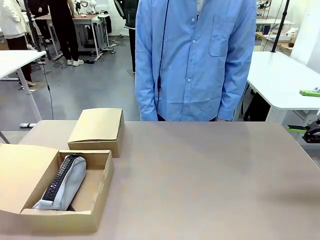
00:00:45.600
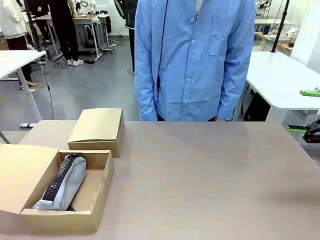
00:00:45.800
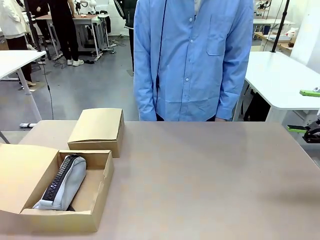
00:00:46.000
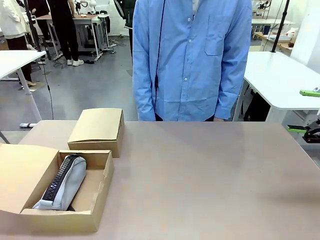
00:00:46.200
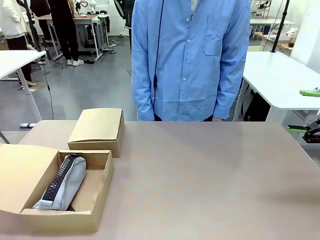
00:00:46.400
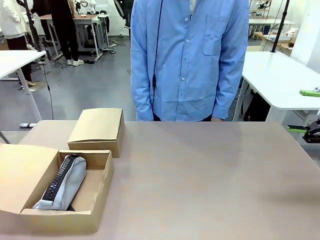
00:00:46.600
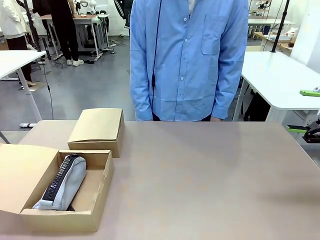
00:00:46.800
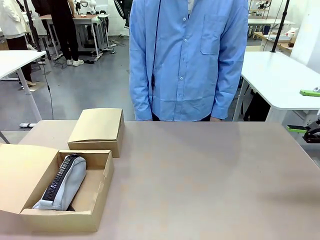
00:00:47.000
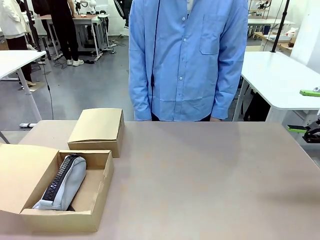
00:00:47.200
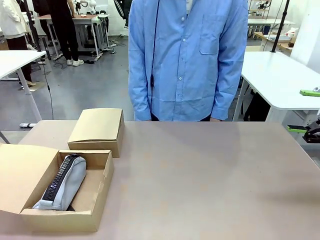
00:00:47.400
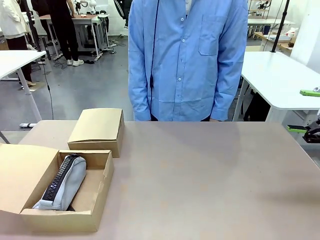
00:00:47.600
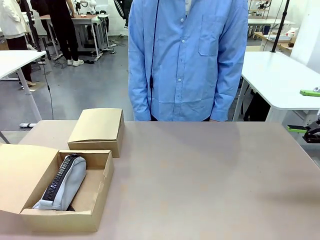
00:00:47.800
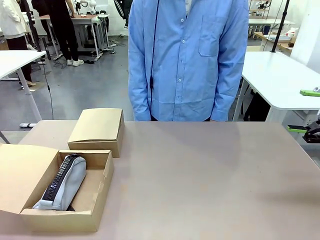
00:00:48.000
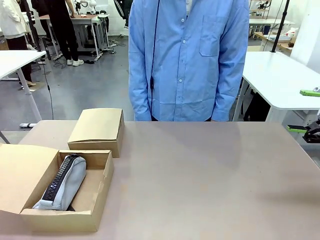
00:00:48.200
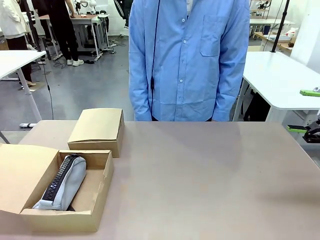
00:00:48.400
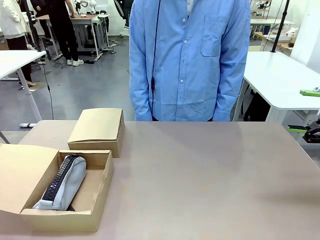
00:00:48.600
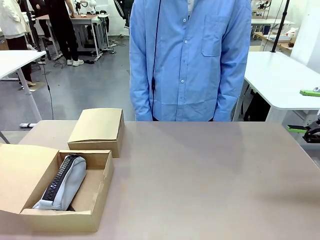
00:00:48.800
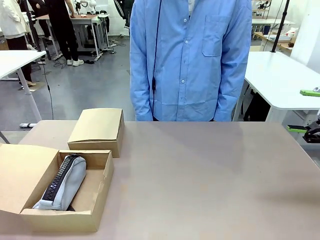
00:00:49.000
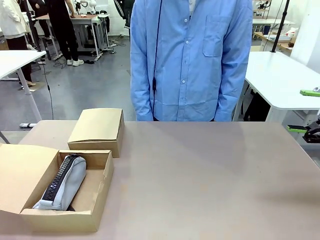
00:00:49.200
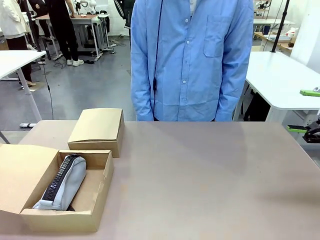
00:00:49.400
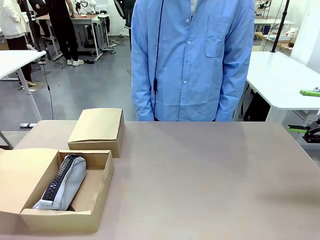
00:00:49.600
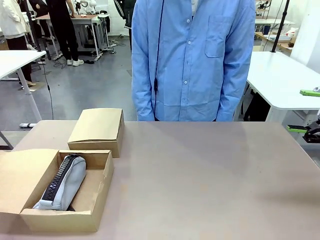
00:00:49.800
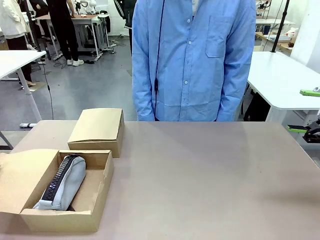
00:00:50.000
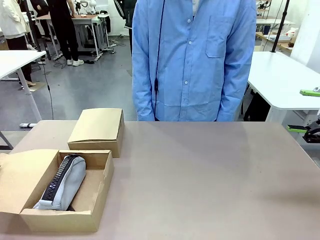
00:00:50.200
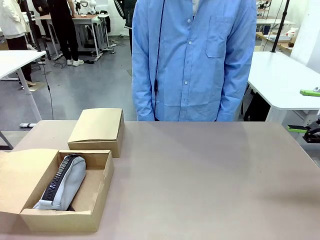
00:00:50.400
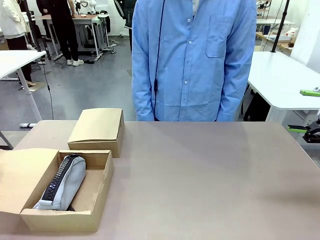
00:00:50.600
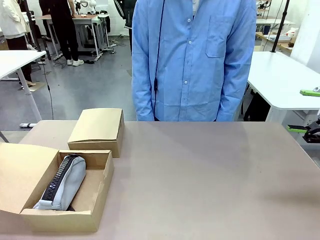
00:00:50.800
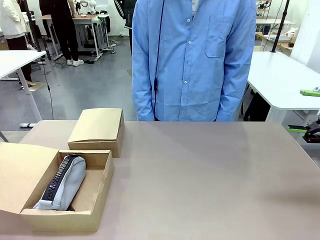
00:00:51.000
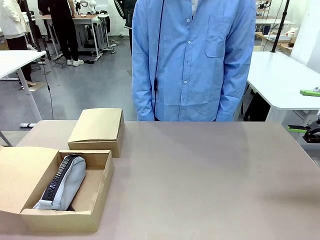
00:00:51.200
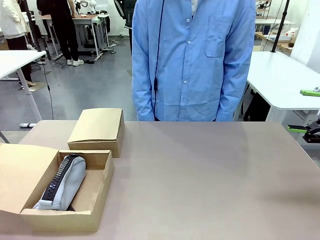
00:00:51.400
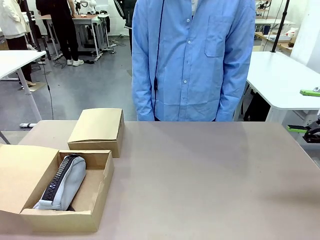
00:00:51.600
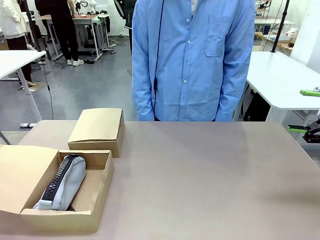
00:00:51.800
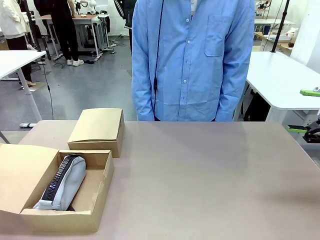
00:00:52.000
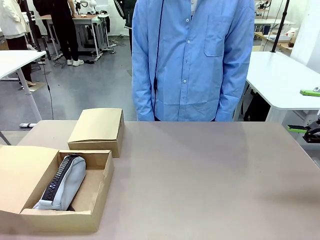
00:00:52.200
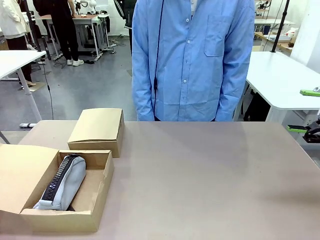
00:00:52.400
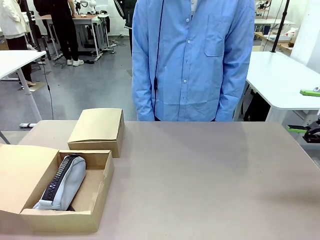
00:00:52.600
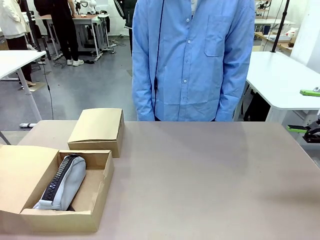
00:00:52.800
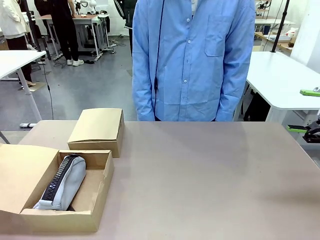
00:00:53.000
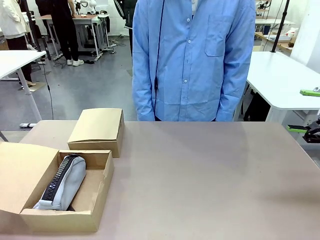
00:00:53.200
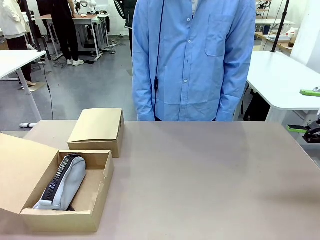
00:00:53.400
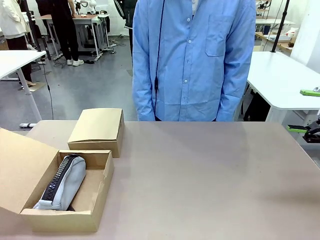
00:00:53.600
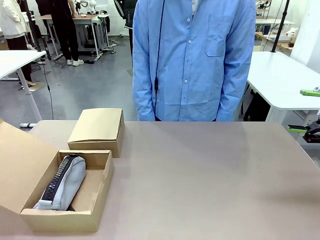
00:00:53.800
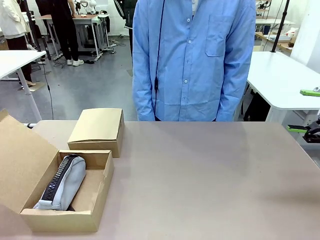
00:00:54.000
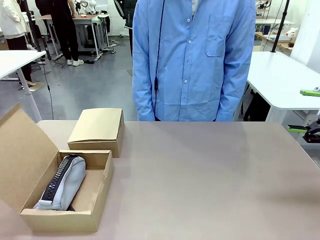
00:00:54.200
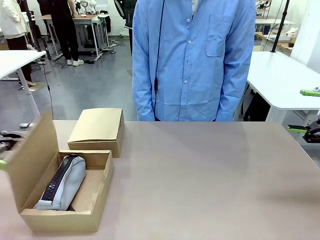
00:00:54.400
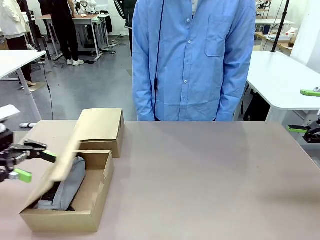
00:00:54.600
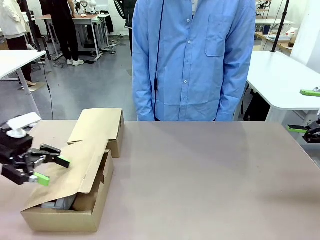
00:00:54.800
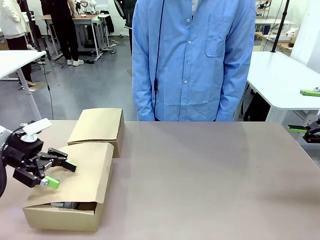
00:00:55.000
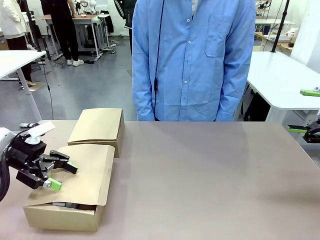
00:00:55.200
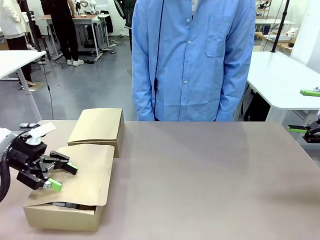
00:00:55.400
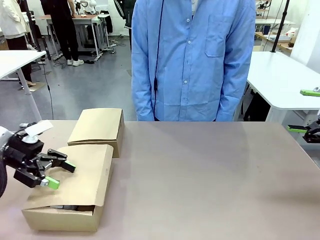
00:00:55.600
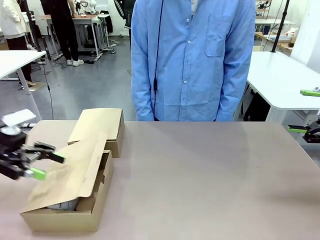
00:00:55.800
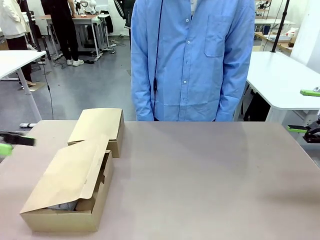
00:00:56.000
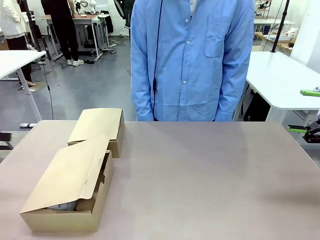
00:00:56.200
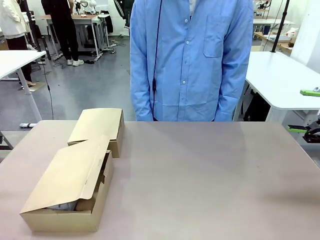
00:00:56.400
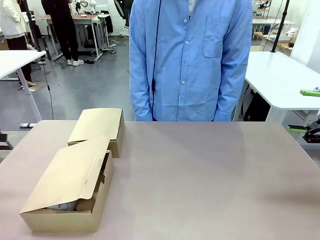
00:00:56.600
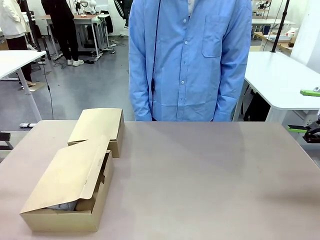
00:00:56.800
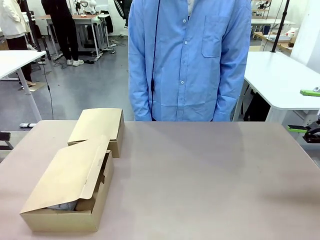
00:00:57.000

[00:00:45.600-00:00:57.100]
Task: Place items inside the box.
Robot: Close the lid of the Mailer Box closest to the robot.

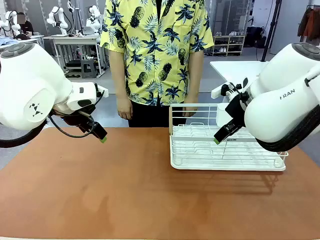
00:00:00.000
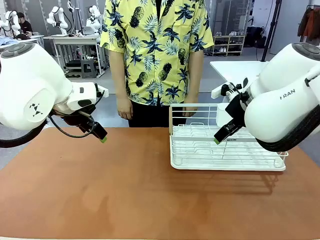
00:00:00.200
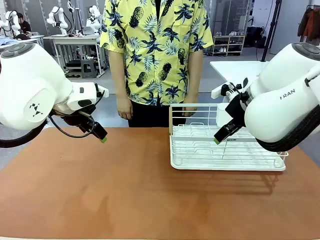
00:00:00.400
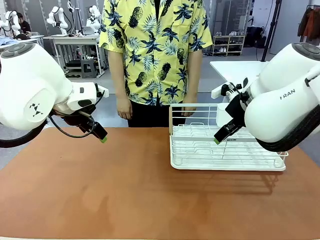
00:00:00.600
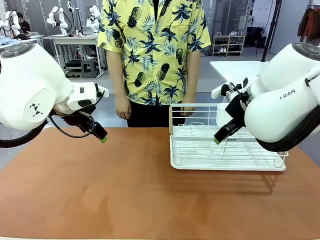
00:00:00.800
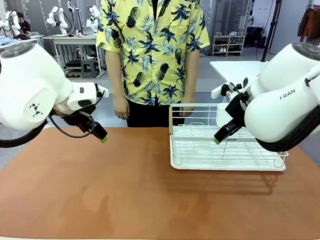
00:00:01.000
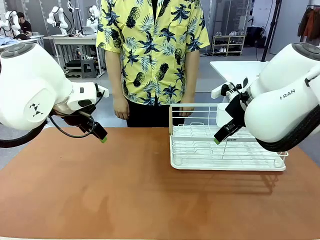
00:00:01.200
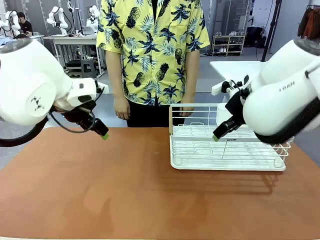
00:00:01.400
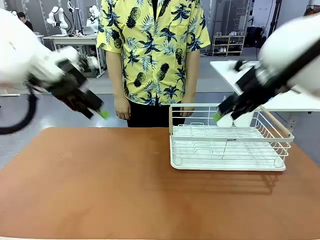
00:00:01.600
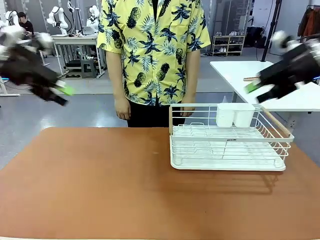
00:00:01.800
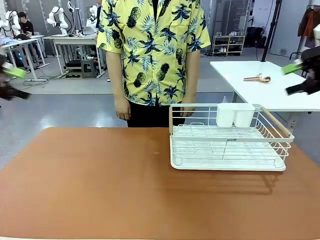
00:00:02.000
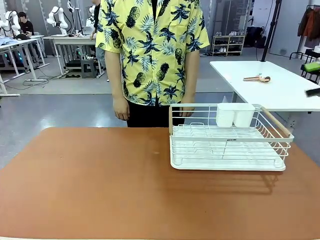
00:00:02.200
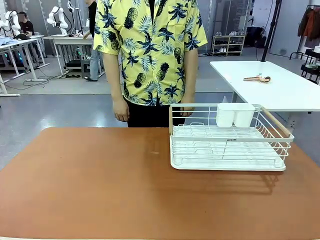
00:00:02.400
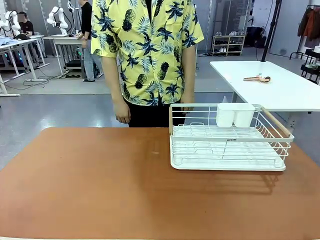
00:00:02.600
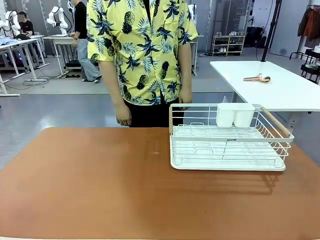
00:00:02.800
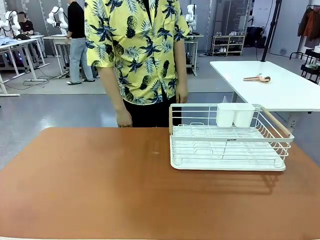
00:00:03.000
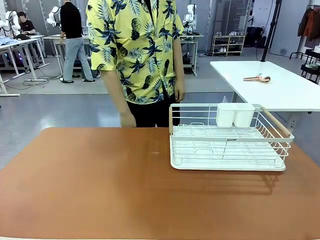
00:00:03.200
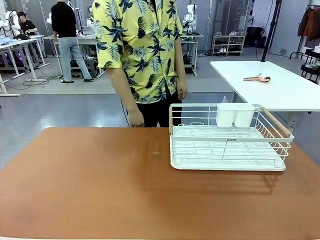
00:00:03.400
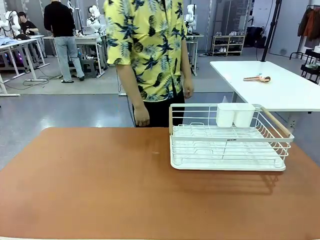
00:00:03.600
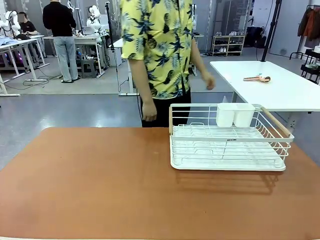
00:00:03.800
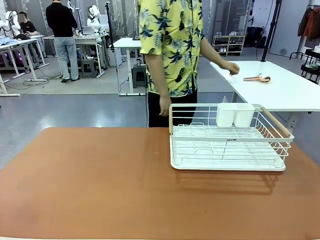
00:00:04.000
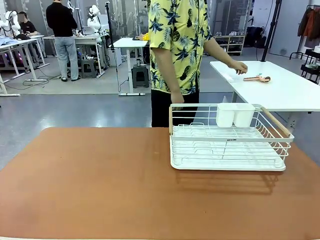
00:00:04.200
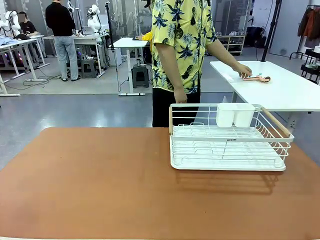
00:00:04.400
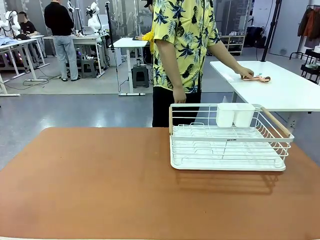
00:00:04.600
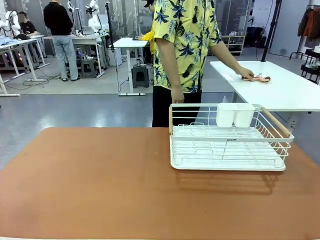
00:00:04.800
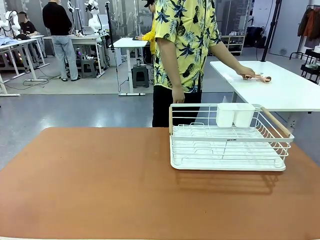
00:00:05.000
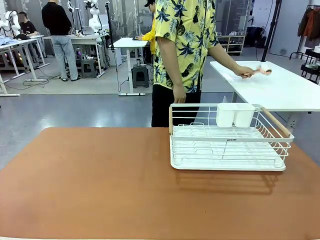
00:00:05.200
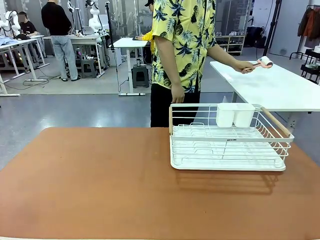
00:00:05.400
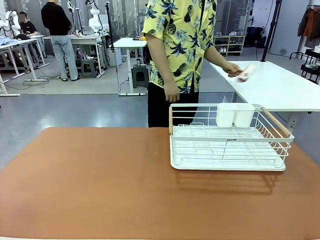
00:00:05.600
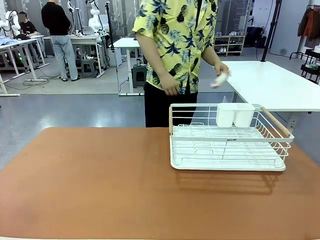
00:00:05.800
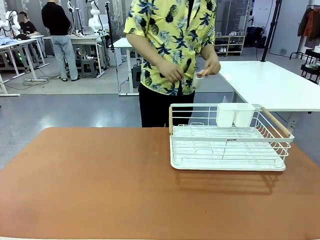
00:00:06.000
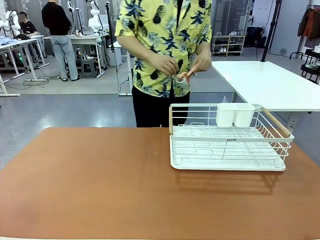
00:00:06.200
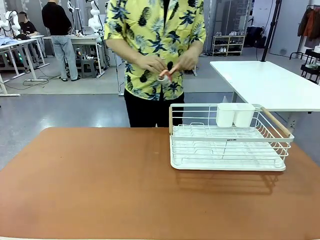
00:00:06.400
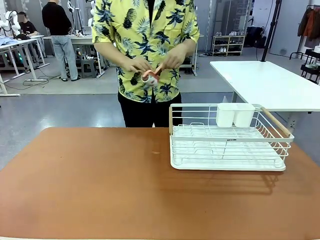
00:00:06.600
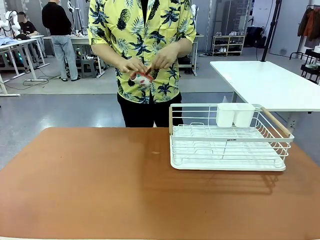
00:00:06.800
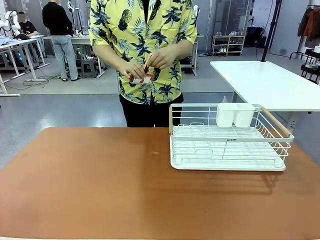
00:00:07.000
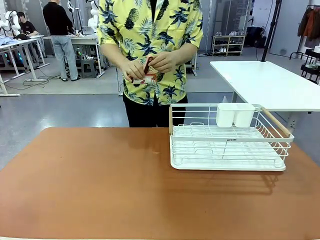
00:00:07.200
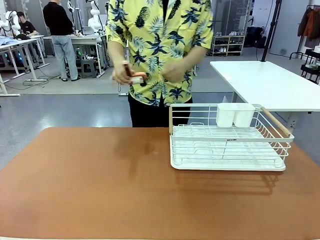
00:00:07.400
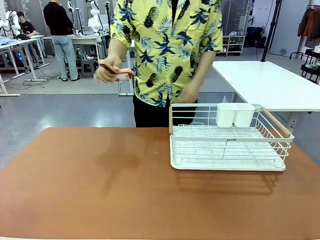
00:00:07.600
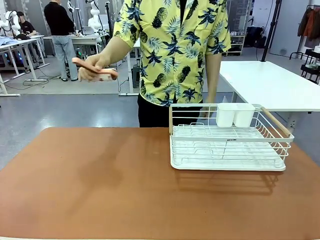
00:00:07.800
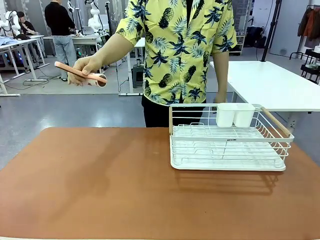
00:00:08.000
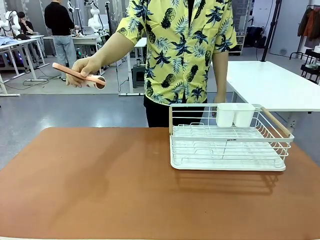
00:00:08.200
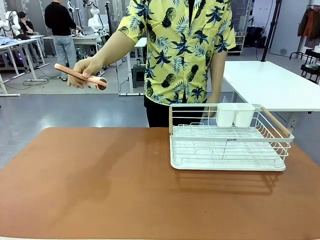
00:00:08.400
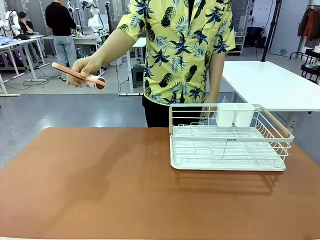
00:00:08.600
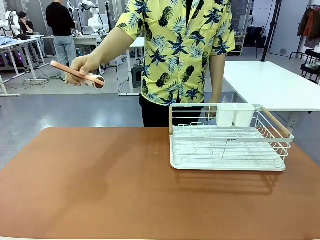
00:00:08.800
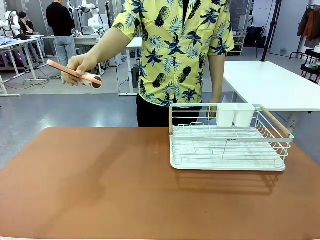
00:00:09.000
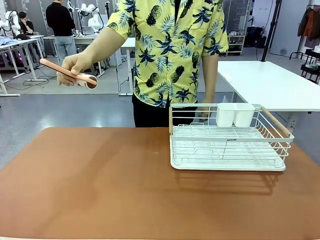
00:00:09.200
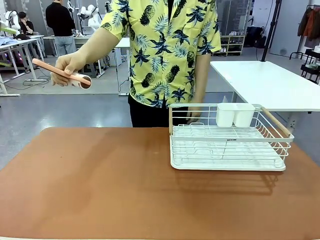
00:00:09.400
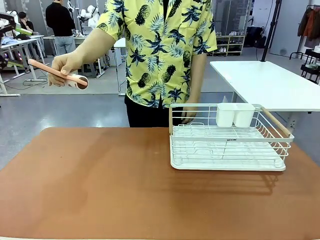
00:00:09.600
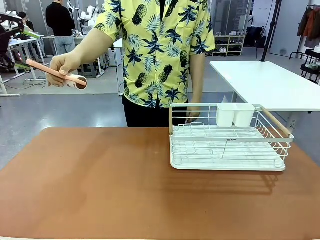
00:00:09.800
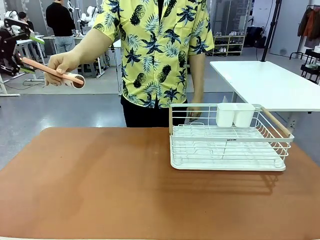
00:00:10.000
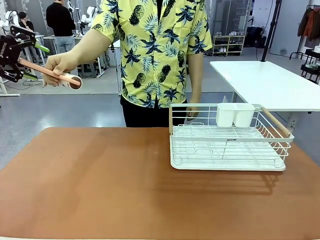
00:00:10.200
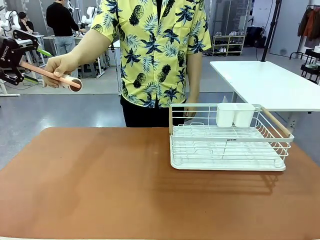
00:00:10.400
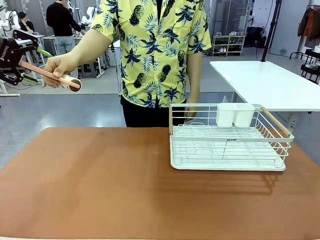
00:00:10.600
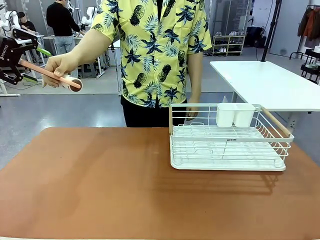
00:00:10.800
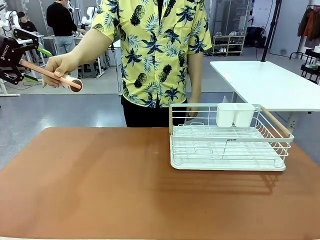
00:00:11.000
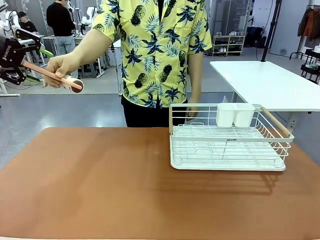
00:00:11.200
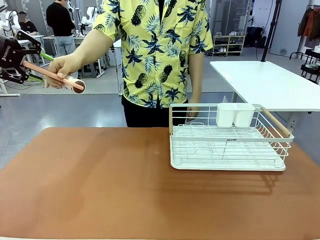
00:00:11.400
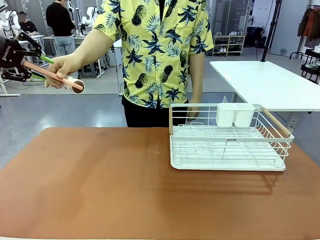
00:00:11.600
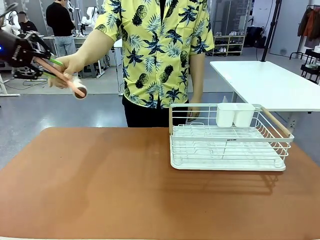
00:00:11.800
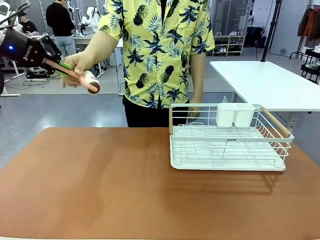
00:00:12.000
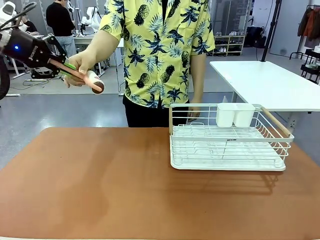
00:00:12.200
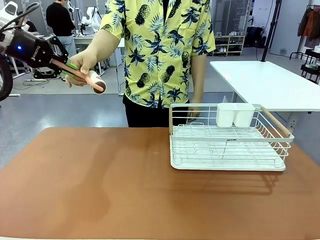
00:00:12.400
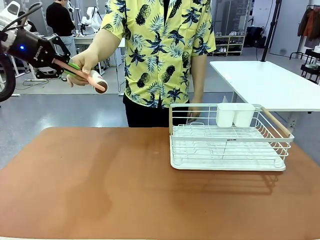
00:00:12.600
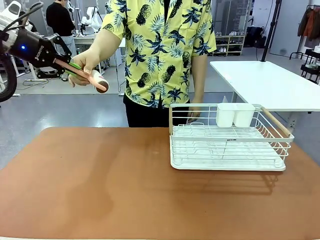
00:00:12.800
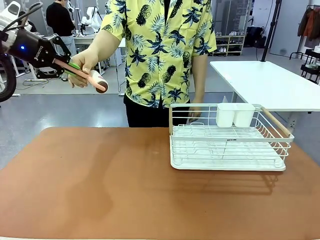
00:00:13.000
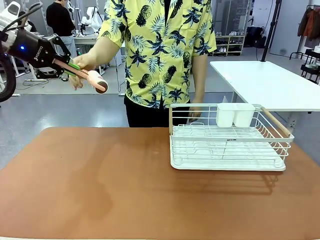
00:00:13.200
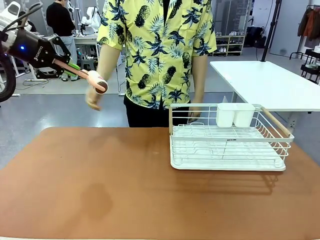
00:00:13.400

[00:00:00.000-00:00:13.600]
Task: Clean the table.
Robot: Pick up the Lint Roller when the human hands it over.
Person: Hand the Lint Roller to the robot so it can easily pick it up. Lift the Dish drying rack.
